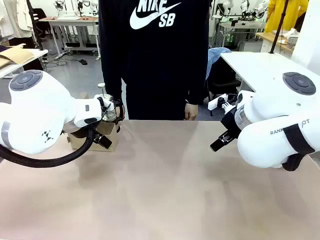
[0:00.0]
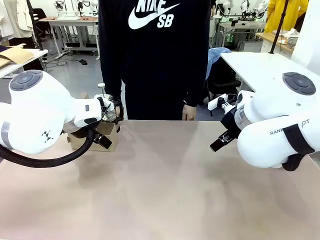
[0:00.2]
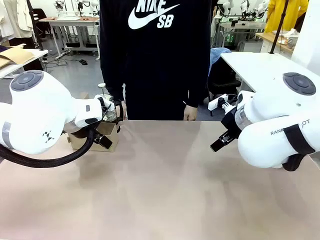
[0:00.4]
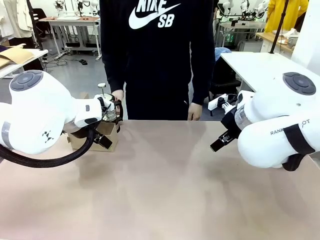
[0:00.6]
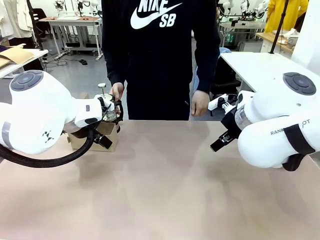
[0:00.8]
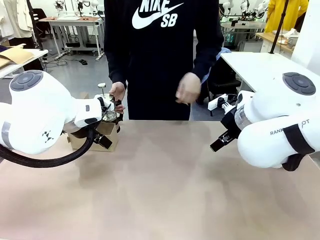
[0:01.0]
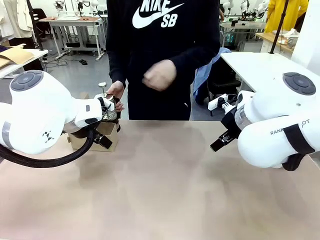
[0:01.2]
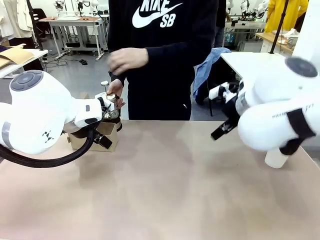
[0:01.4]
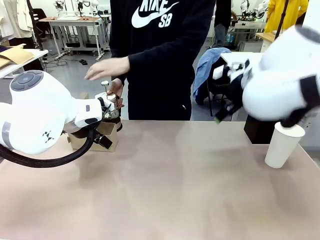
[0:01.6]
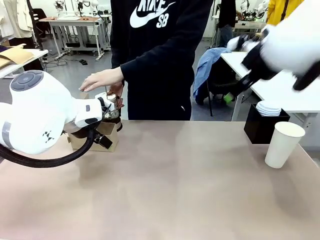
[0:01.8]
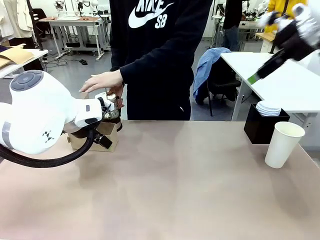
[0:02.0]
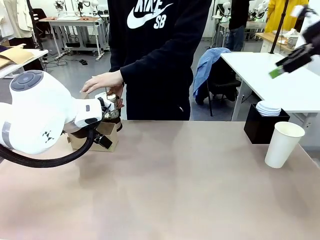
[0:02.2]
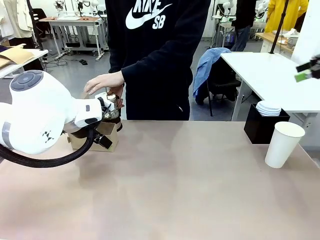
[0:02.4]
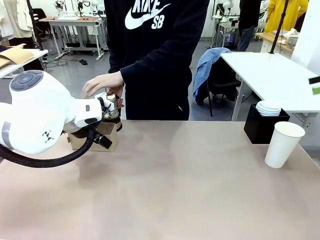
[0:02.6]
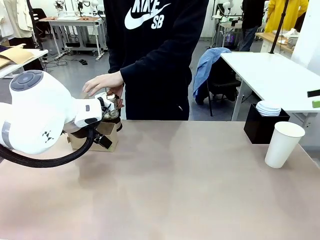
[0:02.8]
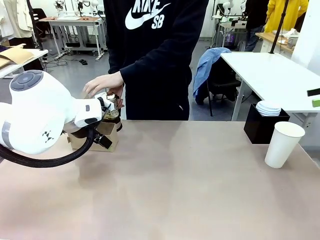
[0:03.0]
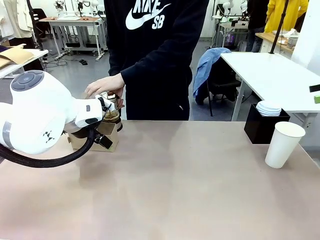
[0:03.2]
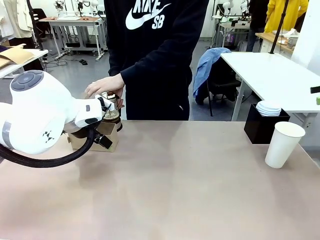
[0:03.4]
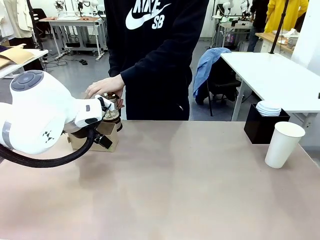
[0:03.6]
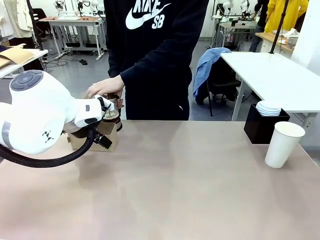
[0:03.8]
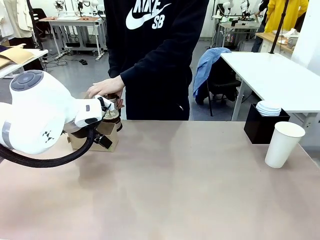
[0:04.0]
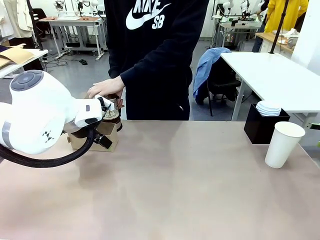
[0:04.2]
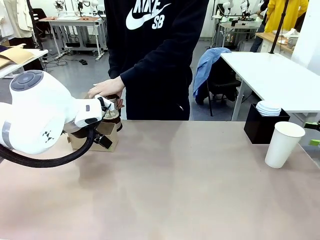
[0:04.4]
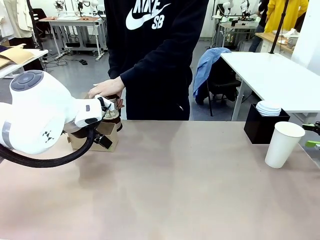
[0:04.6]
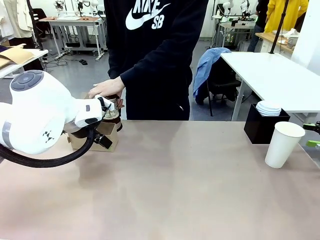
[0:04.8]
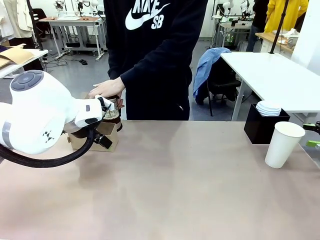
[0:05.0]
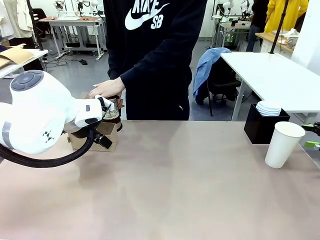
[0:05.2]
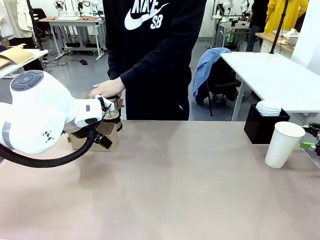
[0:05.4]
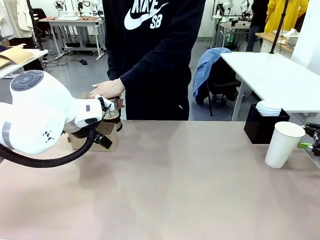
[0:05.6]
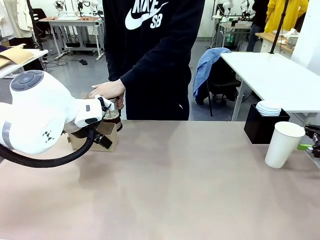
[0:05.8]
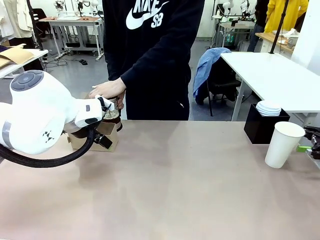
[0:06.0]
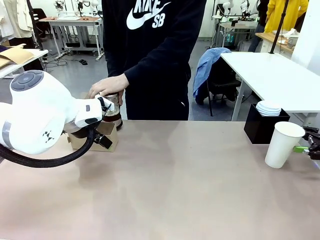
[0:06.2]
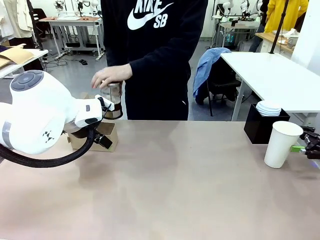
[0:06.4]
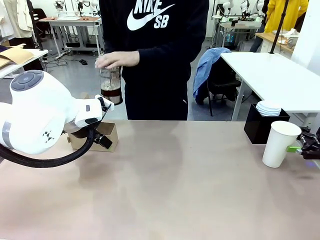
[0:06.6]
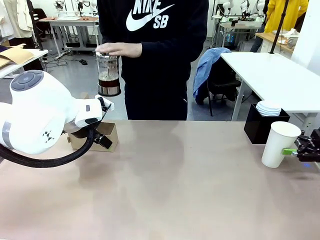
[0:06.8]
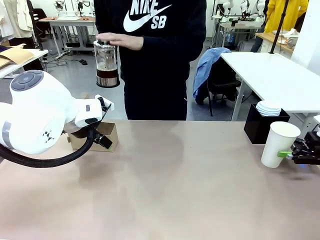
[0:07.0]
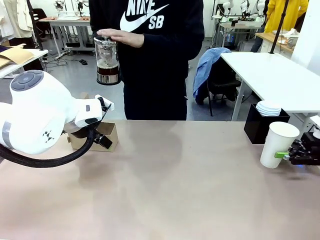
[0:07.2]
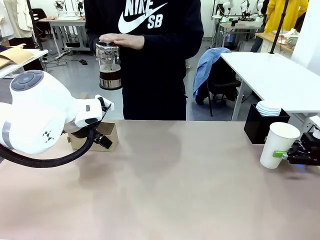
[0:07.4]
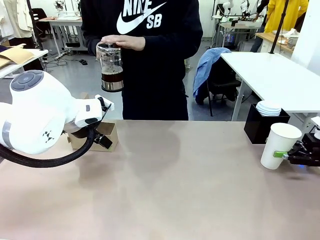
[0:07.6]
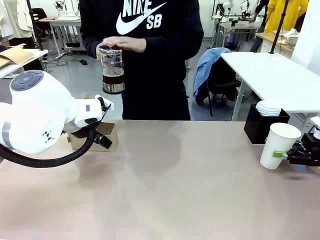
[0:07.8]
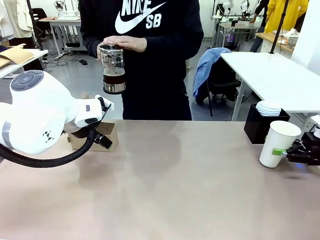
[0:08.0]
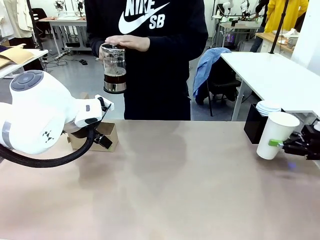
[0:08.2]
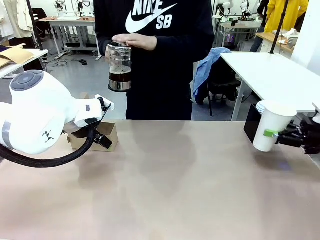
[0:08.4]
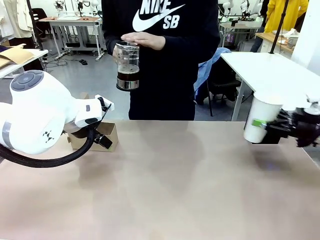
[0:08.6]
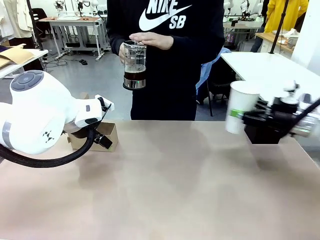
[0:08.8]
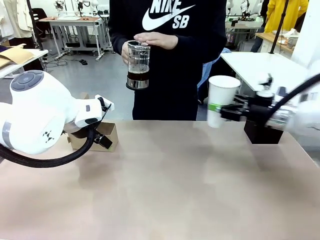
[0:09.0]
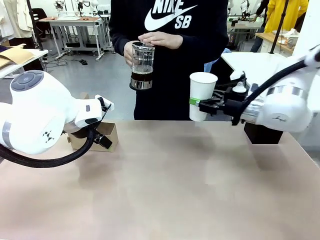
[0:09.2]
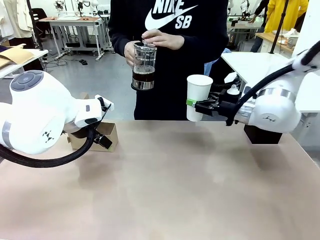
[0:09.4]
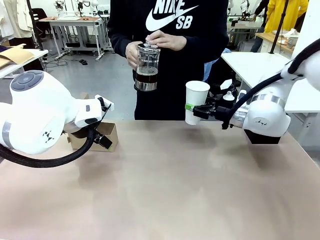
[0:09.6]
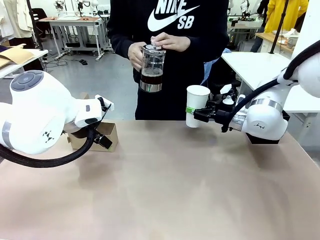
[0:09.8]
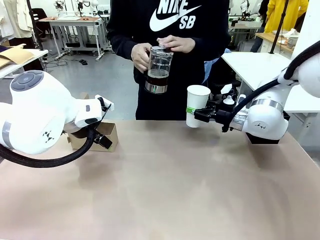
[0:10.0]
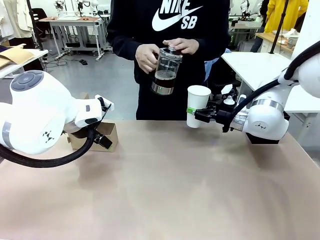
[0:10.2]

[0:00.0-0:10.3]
Task: Pour a drink into a cup and package it in a carrier.
Robot: Pick up the 600 ml Paper Cup and place it in the middle top area of the table.
Person: Press and pick up the Filter Brewing.

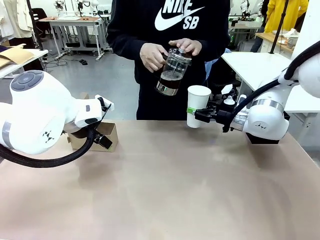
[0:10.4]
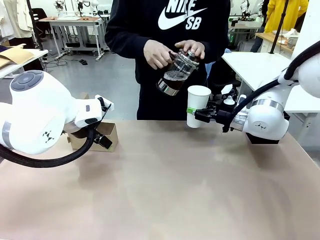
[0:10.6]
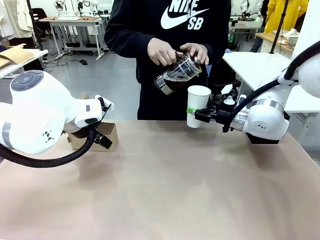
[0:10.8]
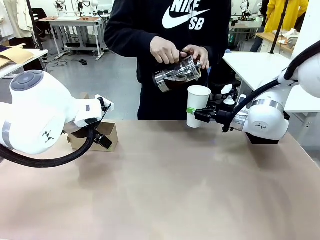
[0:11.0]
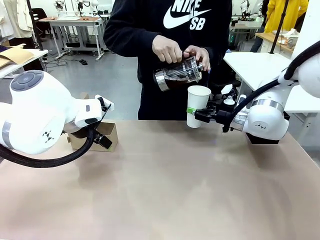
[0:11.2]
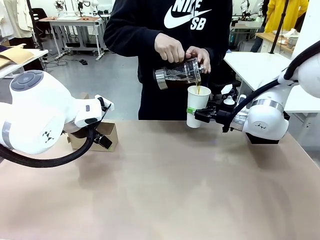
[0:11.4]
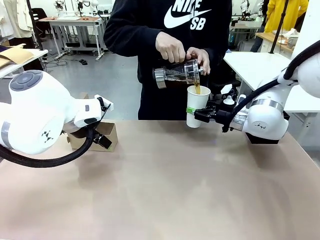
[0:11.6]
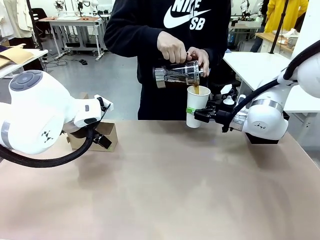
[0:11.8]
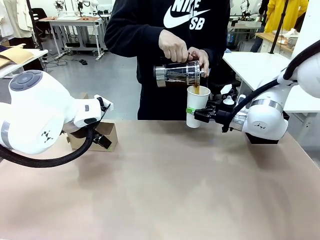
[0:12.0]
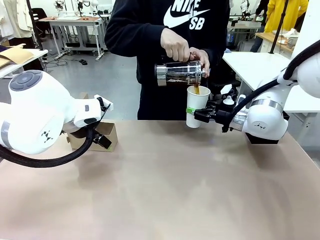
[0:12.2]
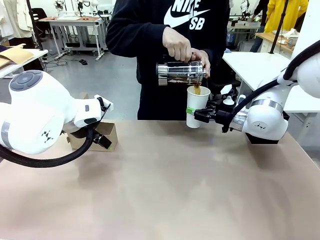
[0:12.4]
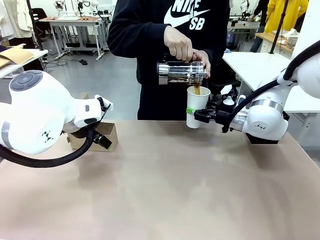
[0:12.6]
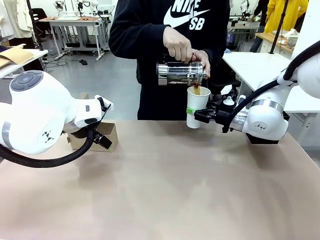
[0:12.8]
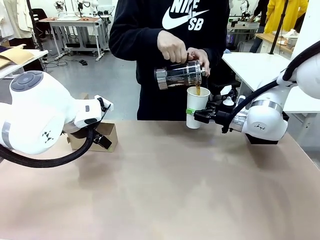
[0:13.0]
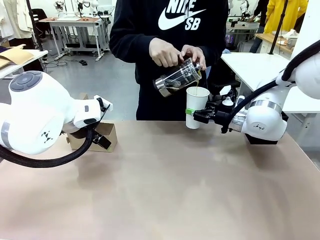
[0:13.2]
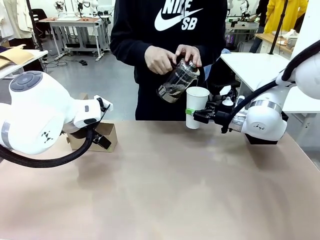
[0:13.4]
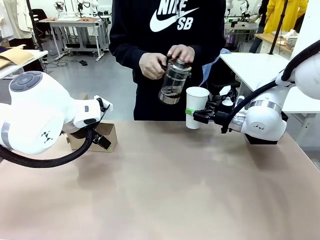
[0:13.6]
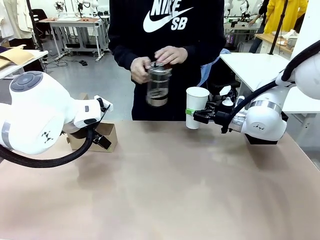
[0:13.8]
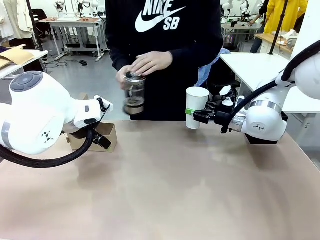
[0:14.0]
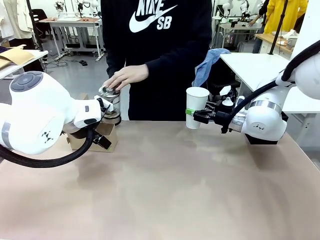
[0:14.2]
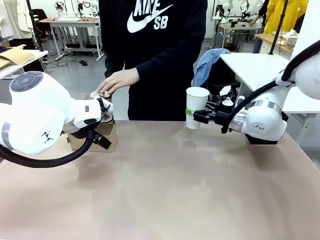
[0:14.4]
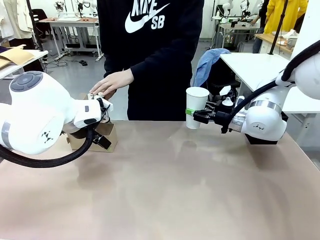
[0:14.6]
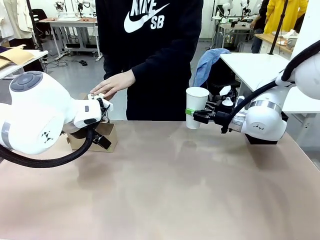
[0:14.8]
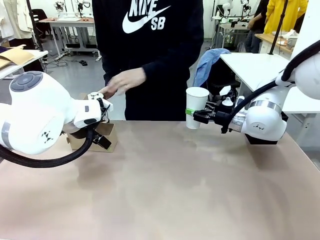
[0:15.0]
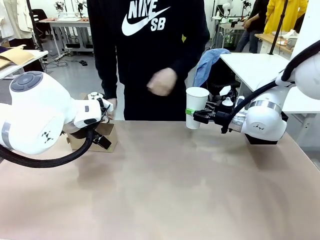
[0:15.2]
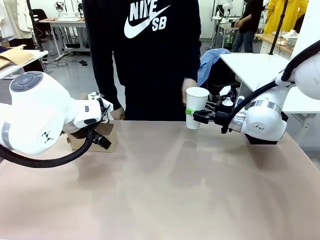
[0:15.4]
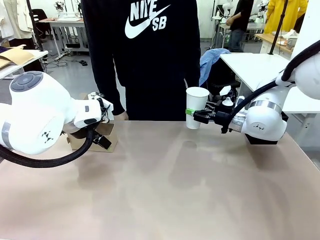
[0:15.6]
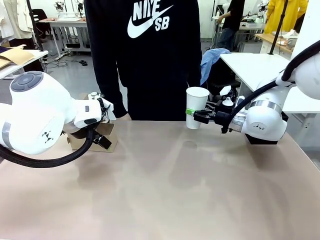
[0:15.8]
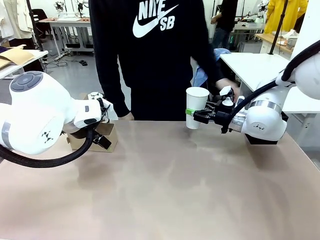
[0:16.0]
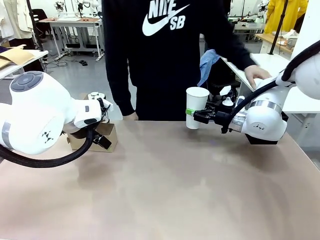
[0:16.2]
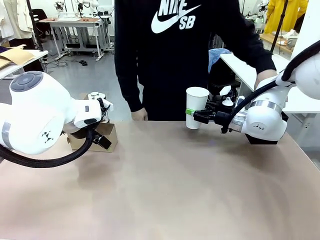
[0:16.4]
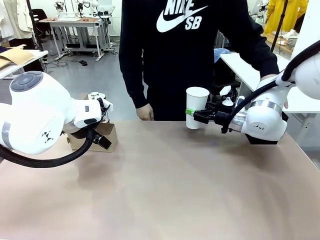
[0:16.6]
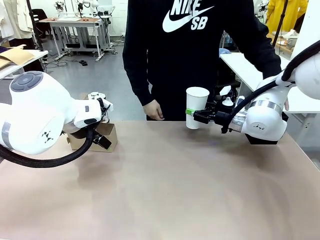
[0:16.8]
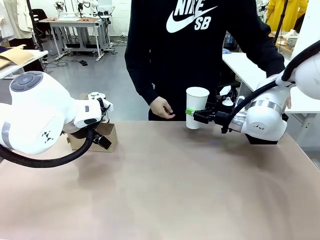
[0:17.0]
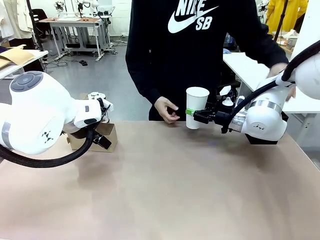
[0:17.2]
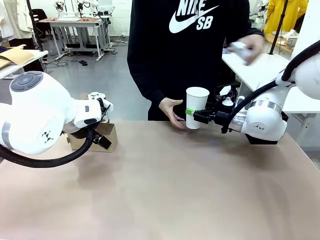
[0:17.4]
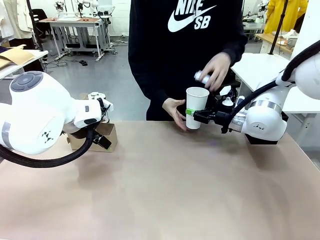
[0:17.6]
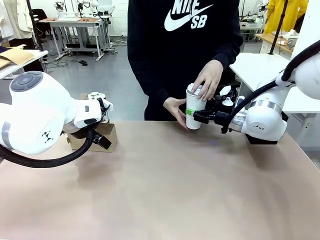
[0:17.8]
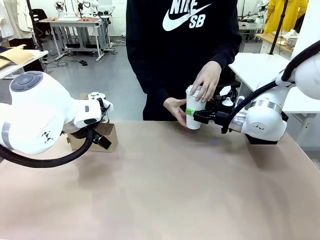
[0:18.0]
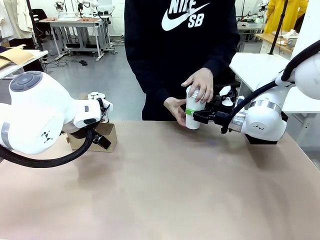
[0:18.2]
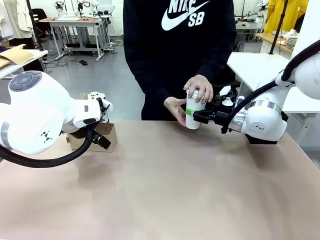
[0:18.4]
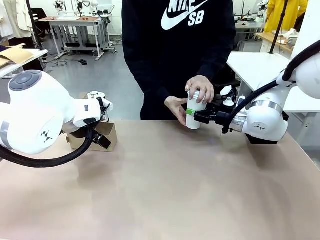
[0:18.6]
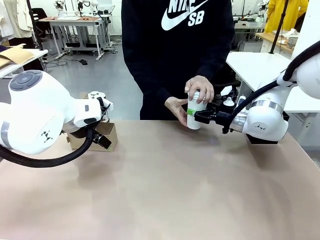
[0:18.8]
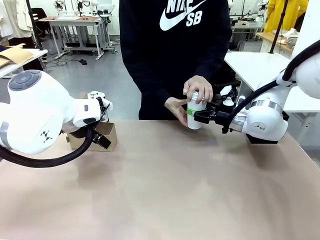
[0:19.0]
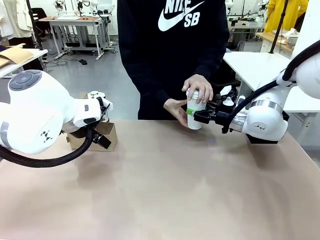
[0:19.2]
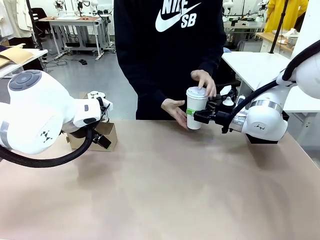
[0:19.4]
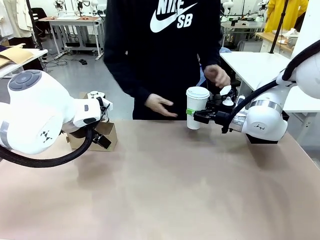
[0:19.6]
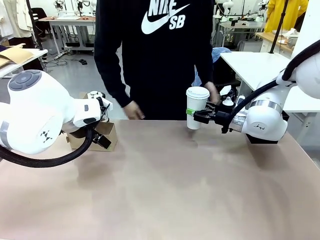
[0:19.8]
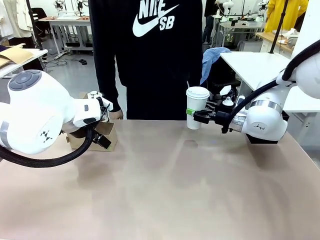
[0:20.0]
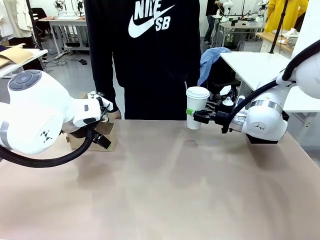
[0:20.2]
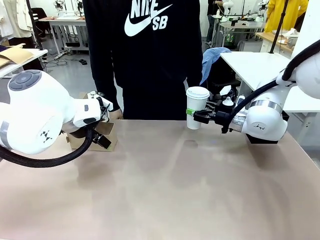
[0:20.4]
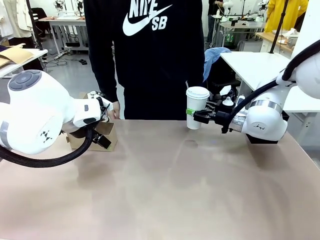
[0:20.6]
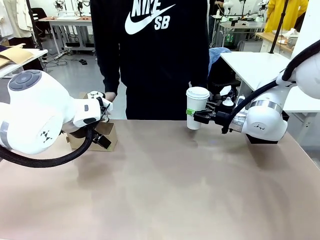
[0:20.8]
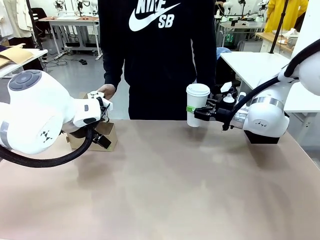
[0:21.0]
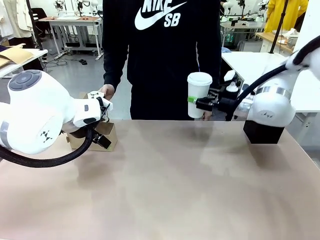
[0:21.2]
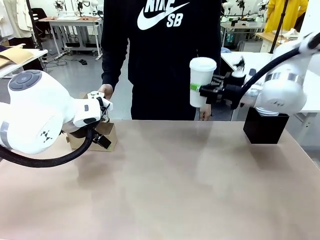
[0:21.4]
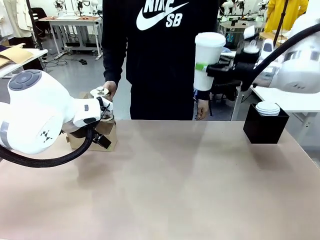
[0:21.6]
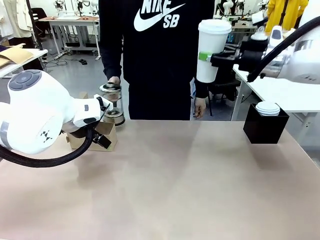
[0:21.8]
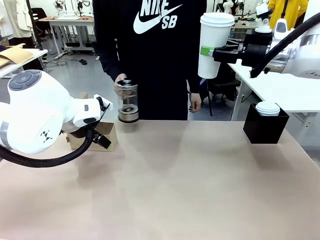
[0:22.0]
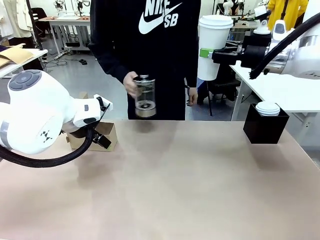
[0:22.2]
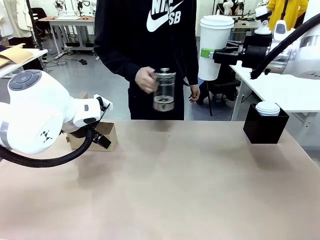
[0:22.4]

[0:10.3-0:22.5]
Robot: When a person places the Paper Cup Lid on the 600 ml Paper Cup , lift the 600 ml Paper Cup.
Person: Pour the drink from the Filter Brewing into the 600 ml Paper Cup. Place a Paper Cup Lid on the 600 ml Paper Cup.
